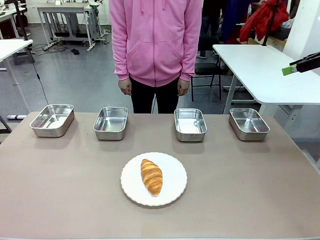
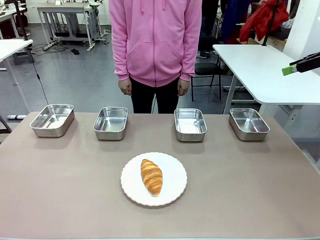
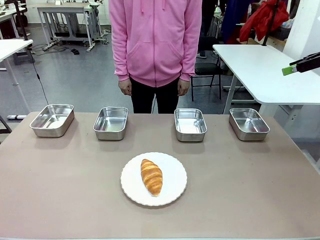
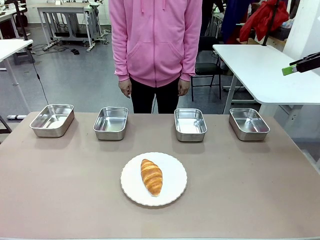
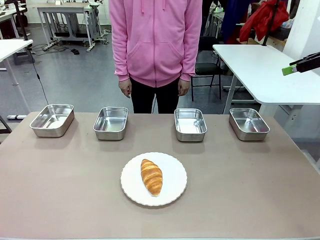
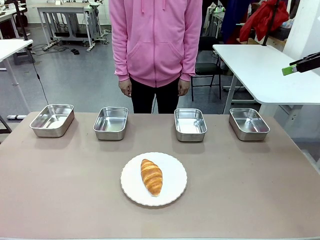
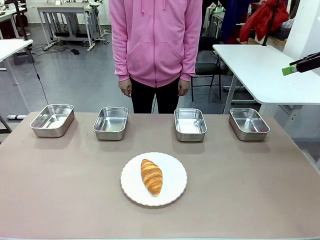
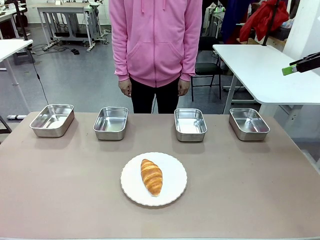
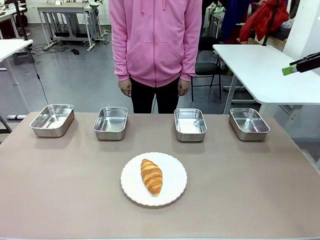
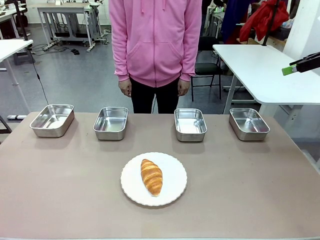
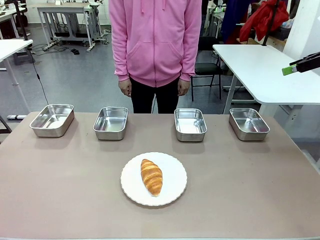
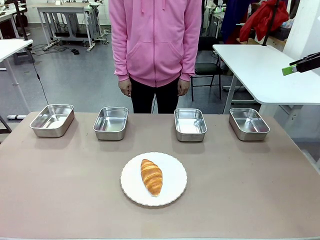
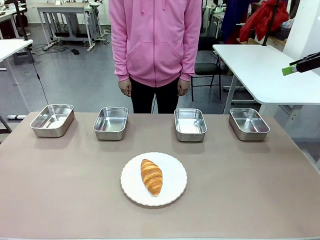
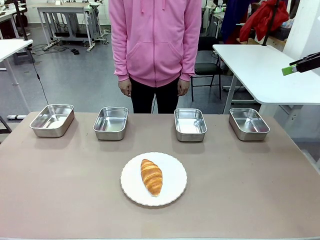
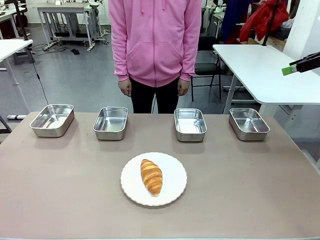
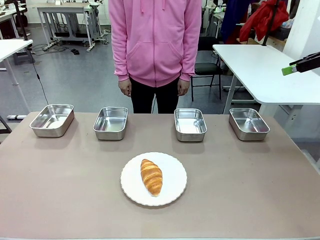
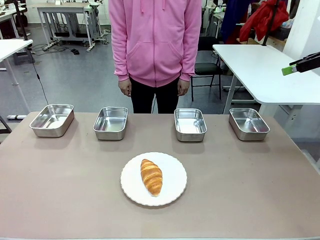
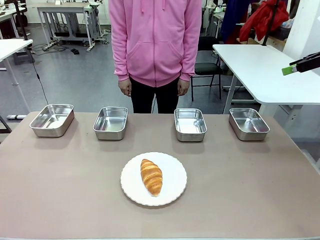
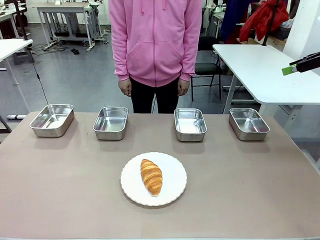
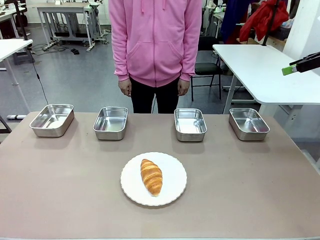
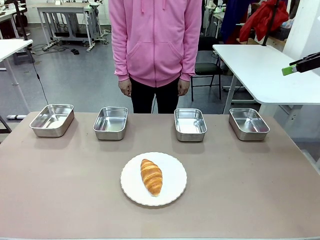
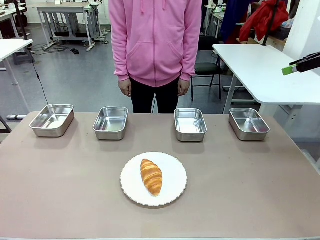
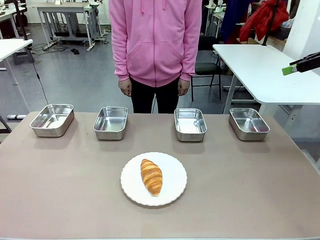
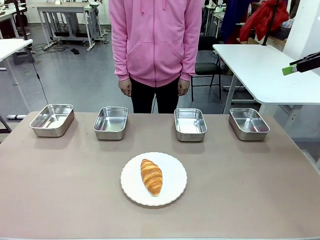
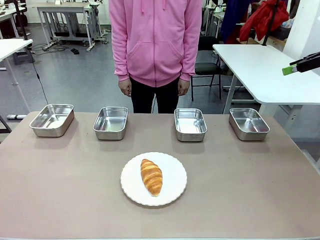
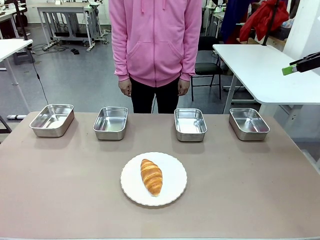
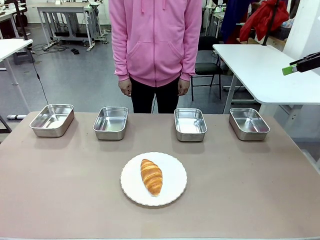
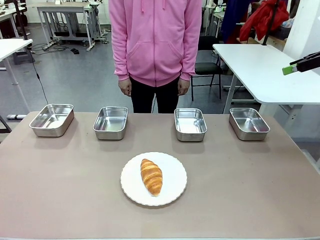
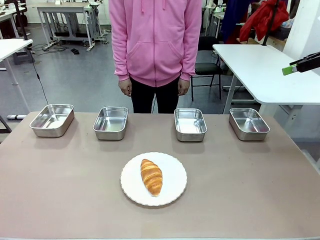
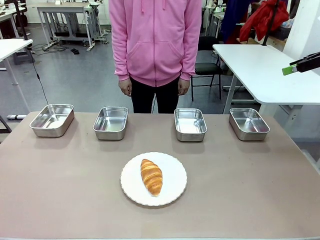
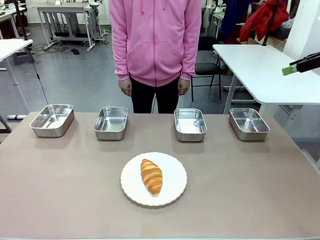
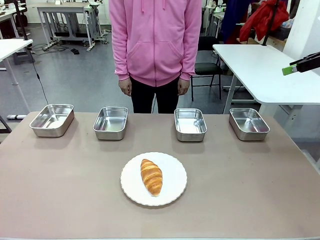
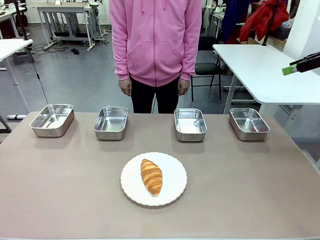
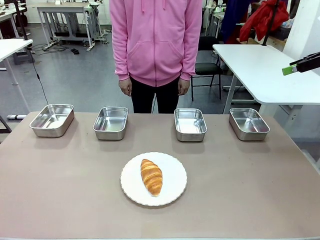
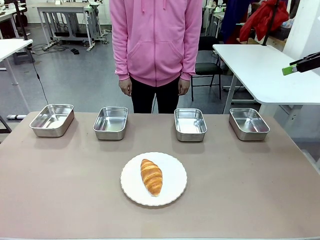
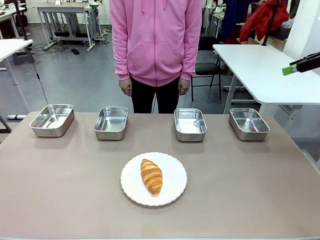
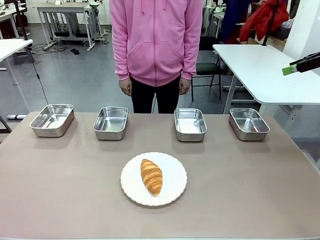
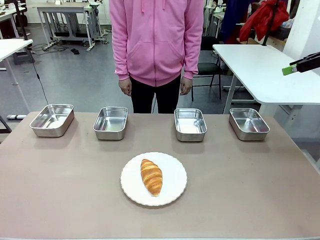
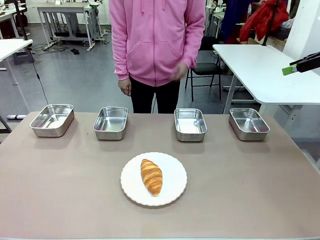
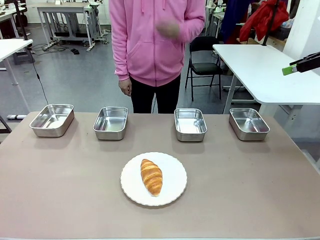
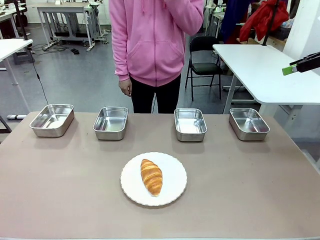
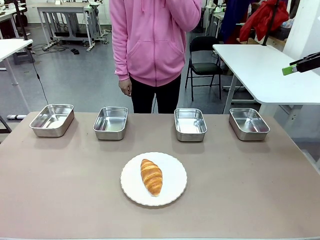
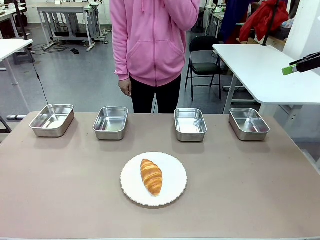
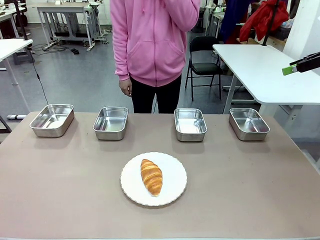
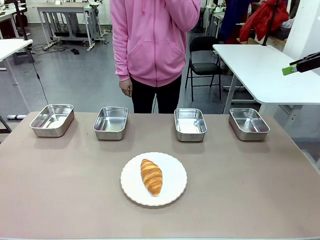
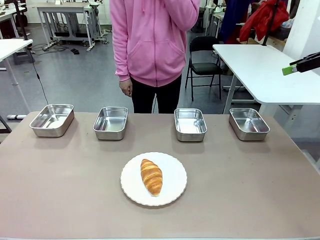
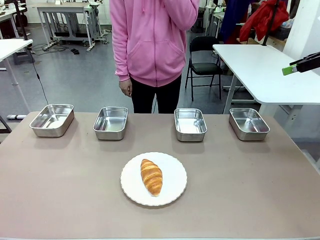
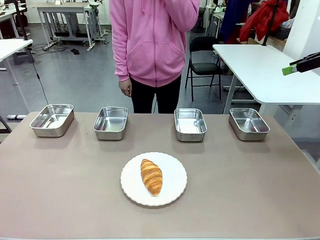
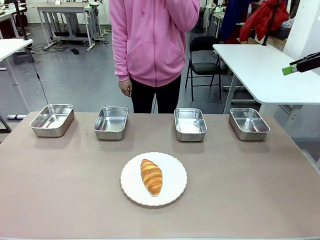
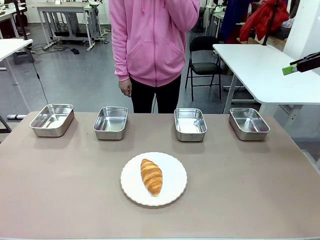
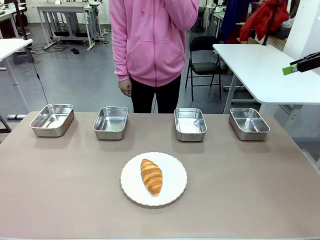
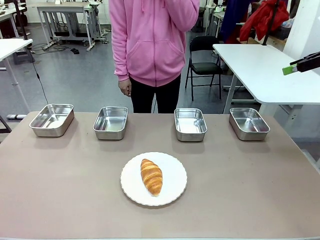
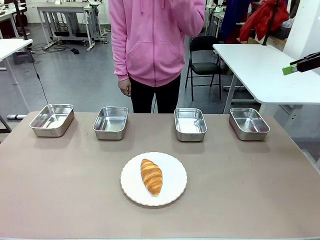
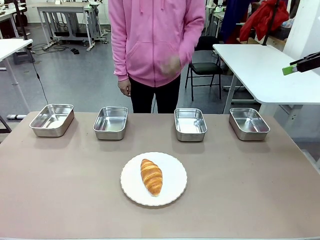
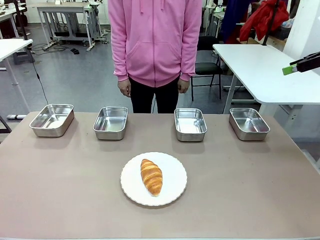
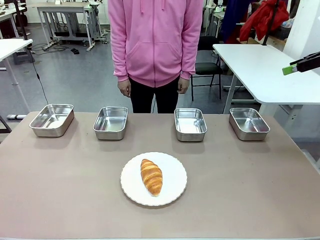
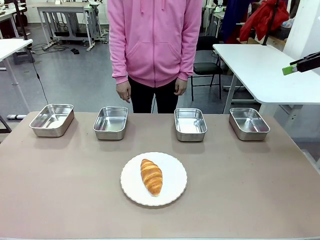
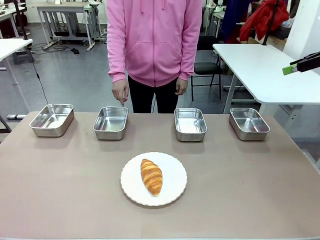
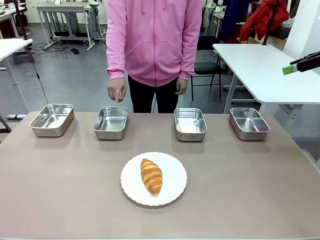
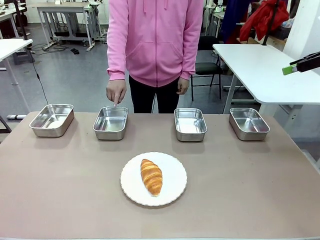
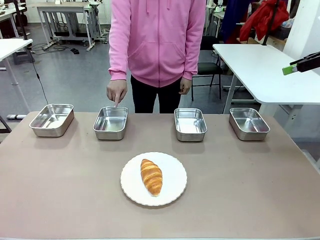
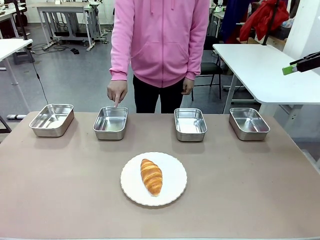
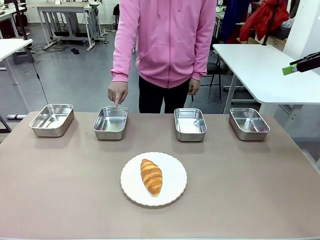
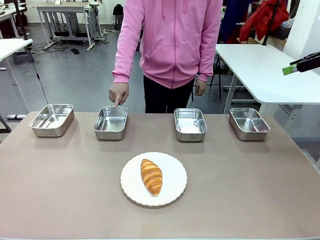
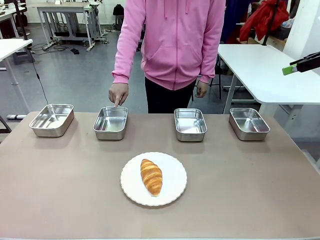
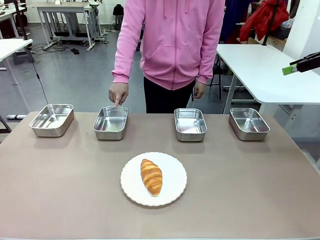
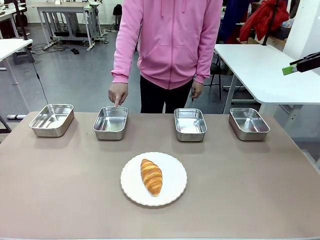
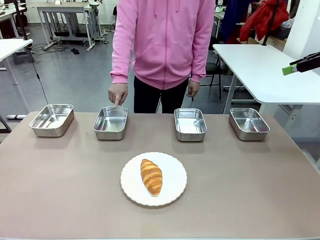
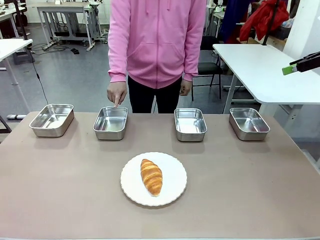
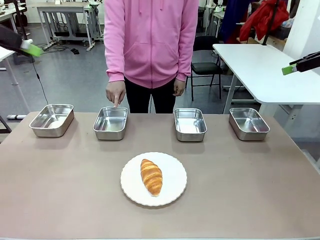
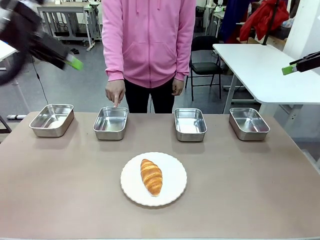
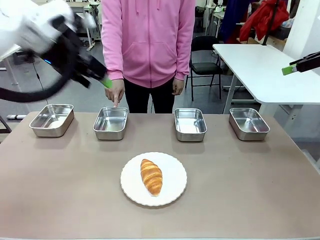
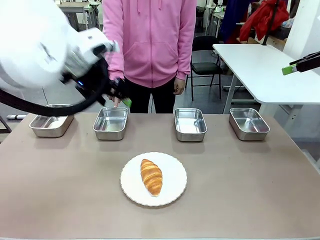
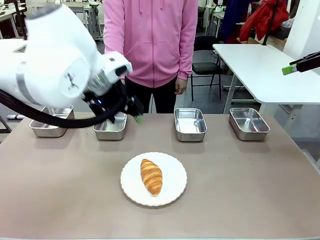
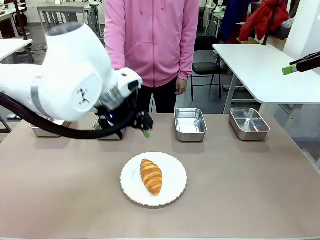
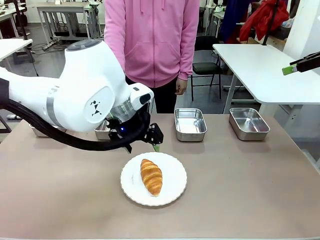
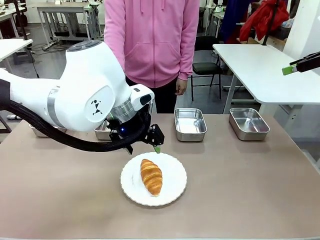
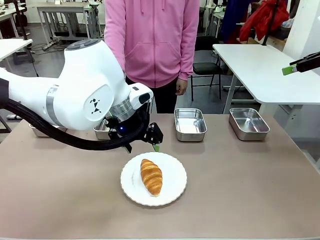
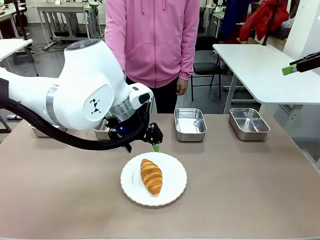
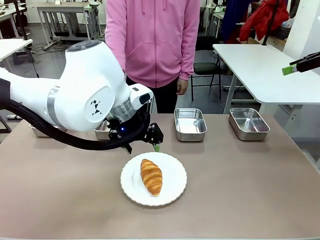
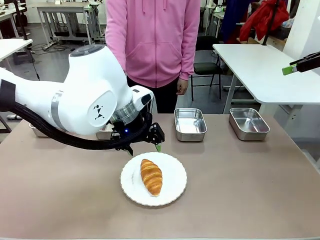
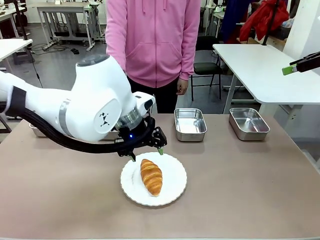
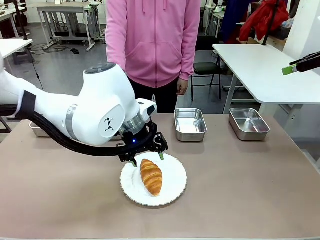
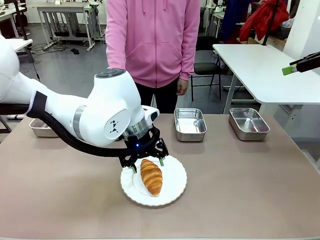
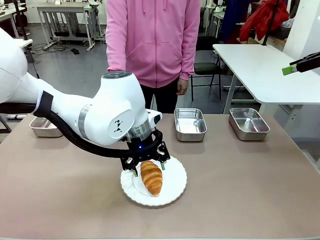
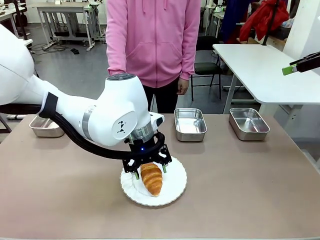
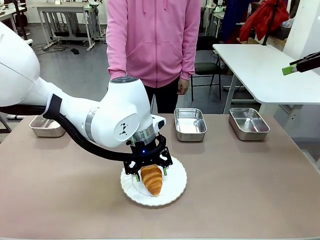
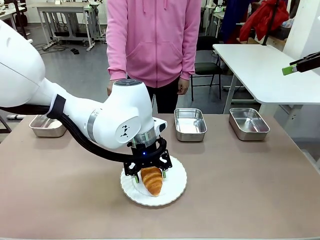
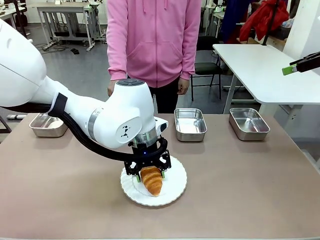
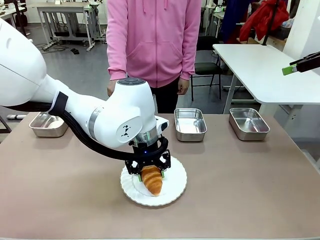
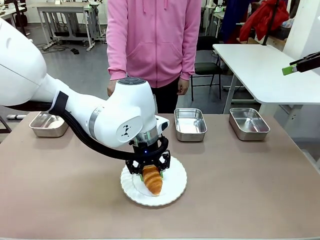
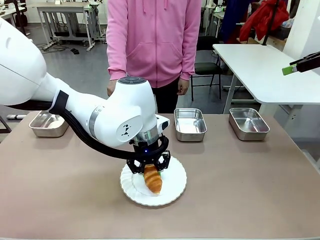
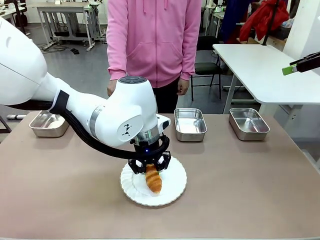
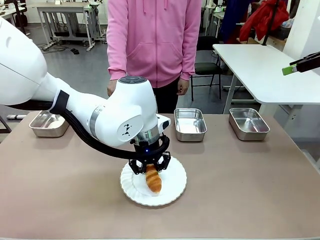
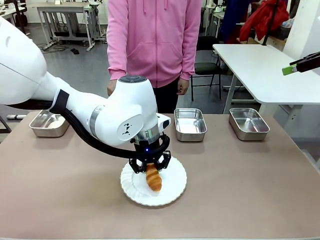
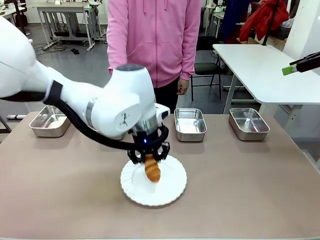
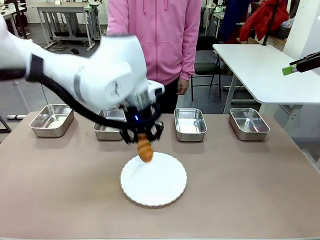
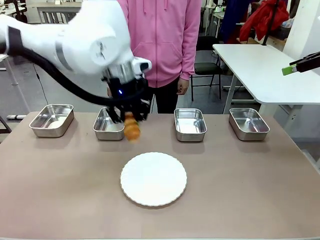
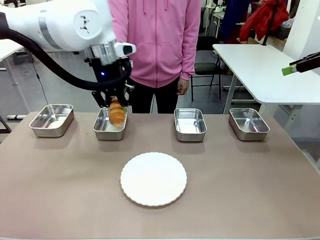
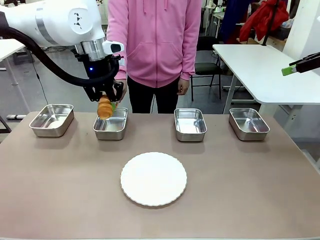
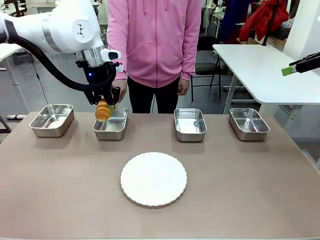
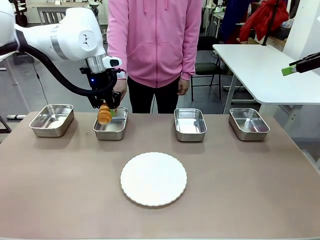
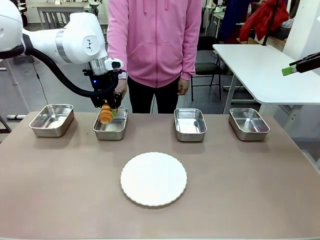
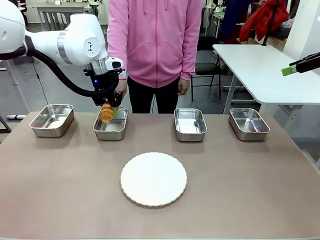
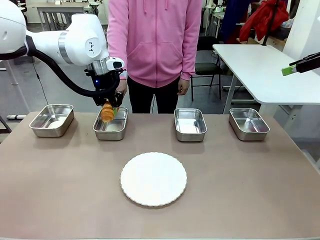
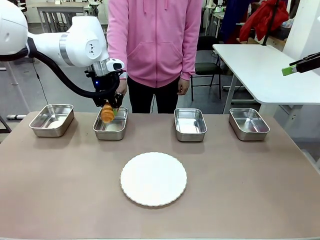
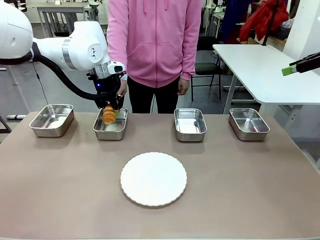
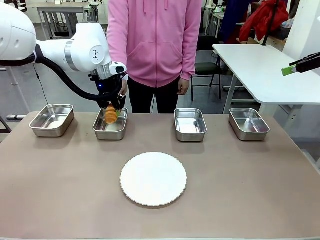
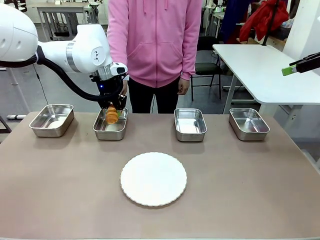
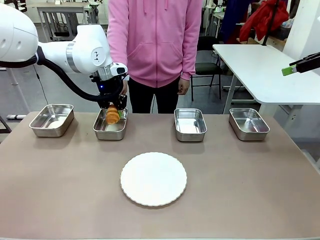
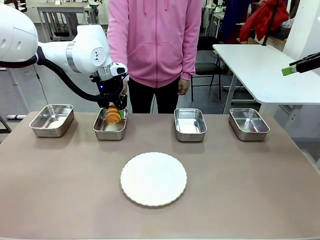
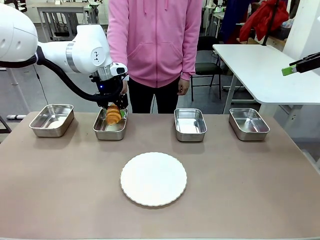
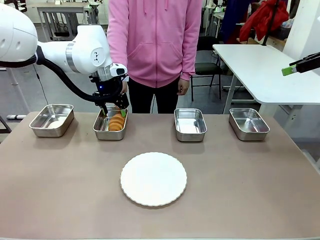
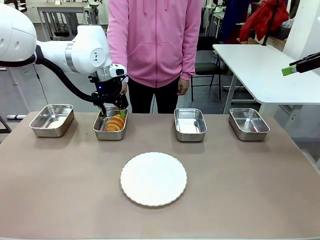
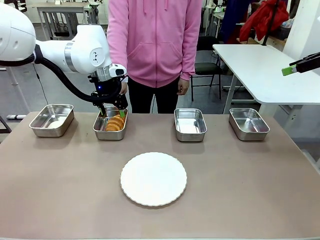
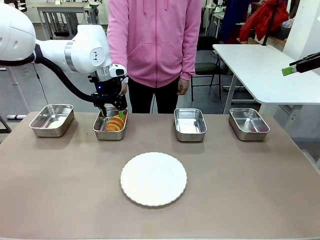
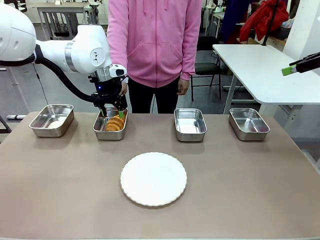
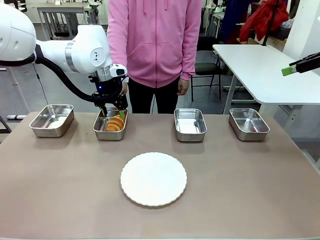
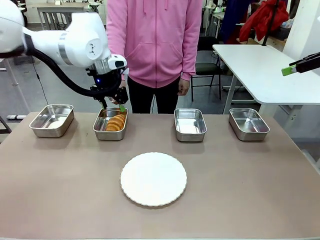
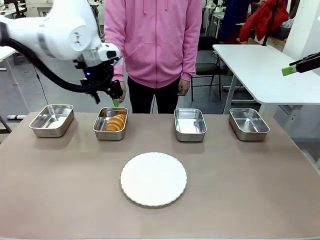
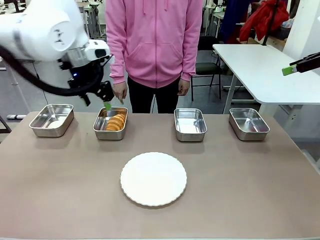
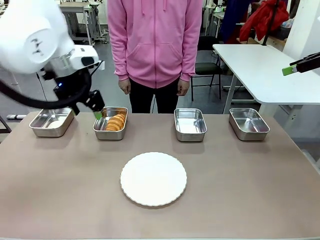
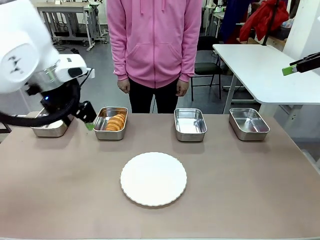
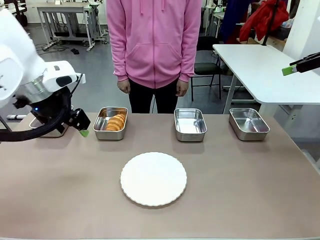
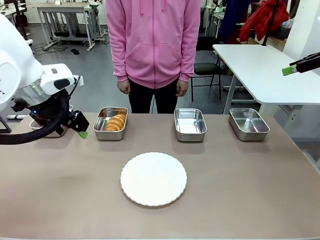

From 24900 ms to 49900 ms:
Task: Place the bread in the container.
Robot: Place the Butter Roll into the Airtight Container indicated by the human.
Person: A person randomly selects and points to an Airtight Container.
